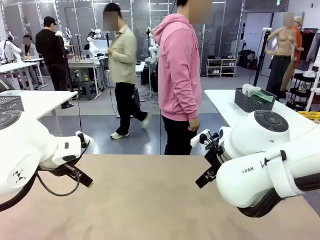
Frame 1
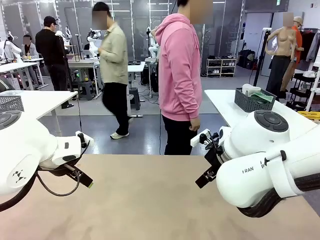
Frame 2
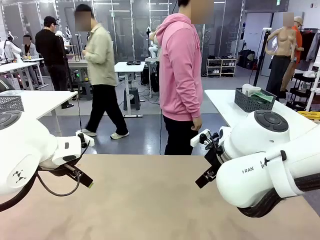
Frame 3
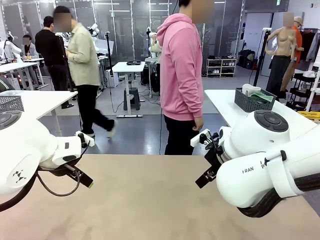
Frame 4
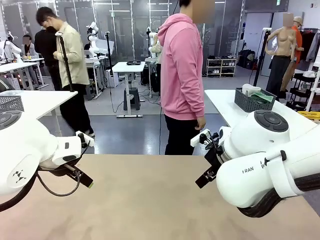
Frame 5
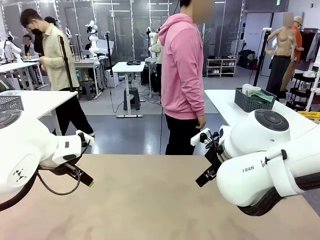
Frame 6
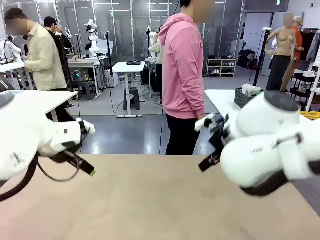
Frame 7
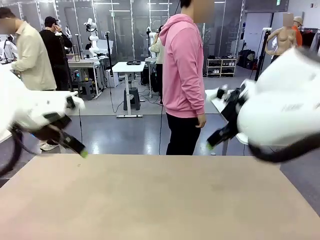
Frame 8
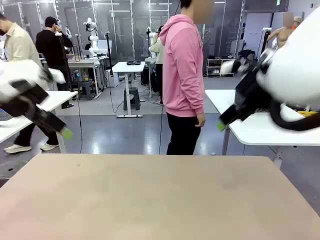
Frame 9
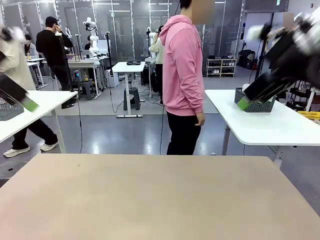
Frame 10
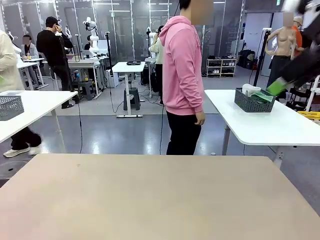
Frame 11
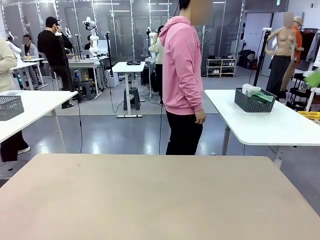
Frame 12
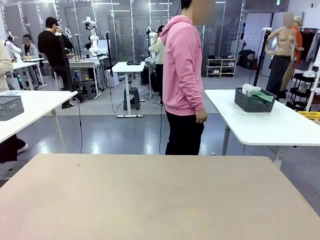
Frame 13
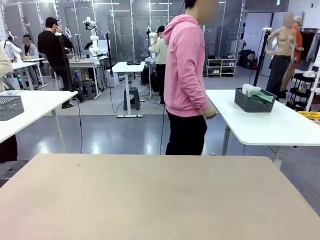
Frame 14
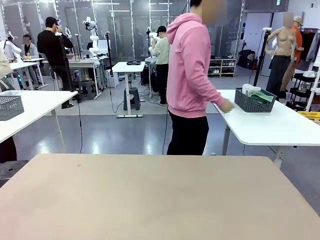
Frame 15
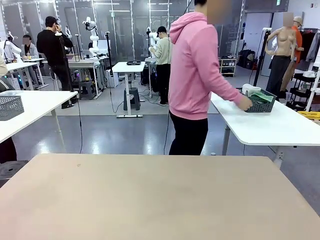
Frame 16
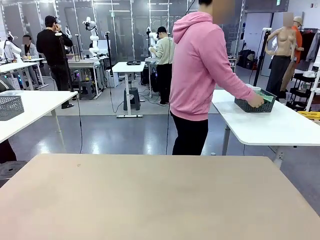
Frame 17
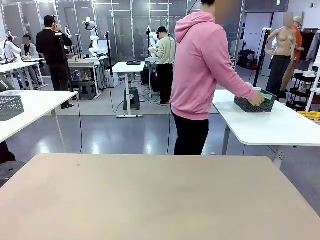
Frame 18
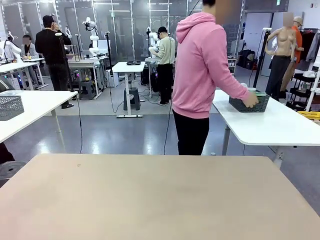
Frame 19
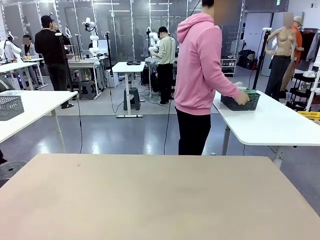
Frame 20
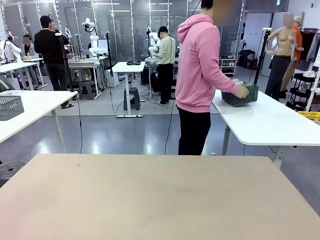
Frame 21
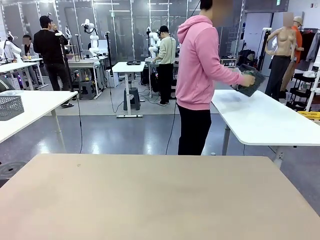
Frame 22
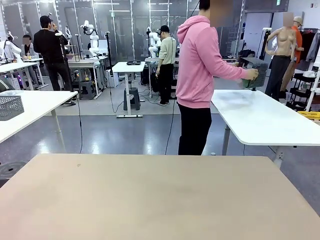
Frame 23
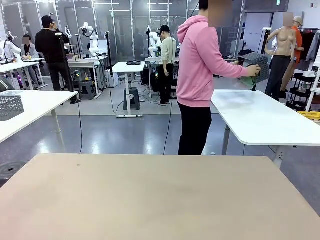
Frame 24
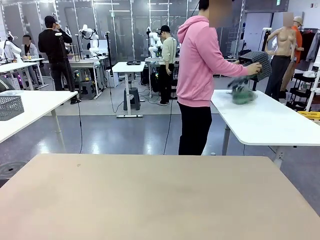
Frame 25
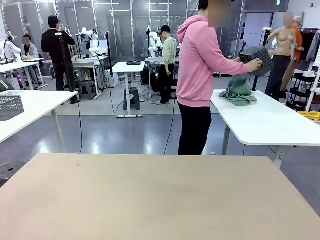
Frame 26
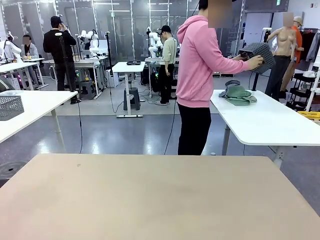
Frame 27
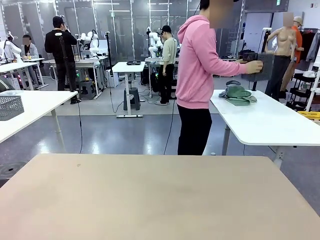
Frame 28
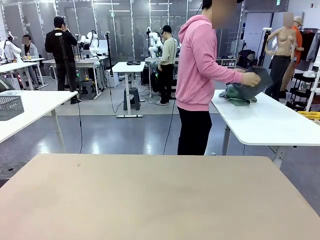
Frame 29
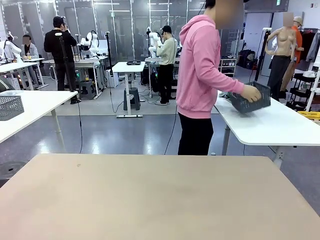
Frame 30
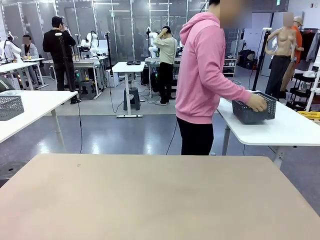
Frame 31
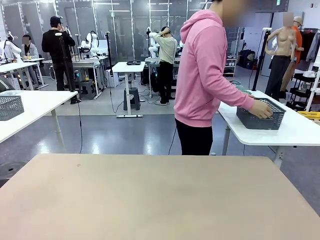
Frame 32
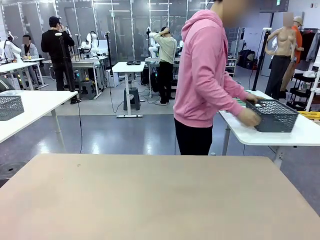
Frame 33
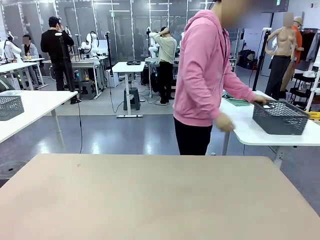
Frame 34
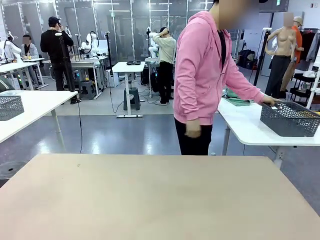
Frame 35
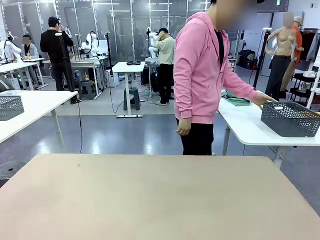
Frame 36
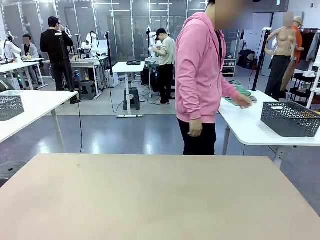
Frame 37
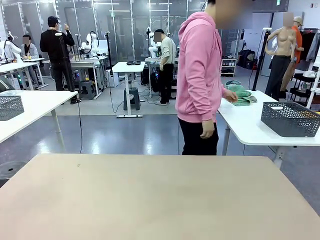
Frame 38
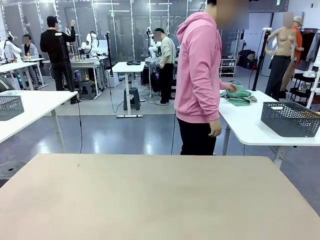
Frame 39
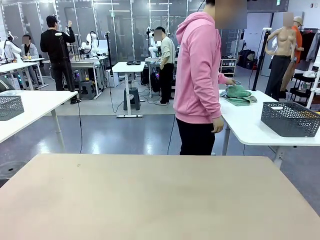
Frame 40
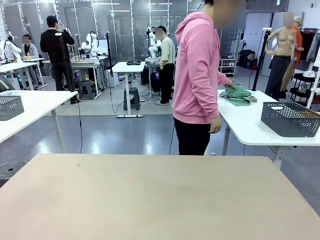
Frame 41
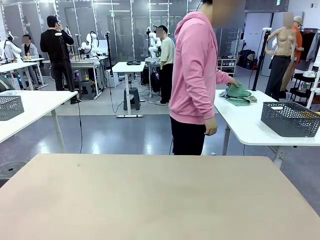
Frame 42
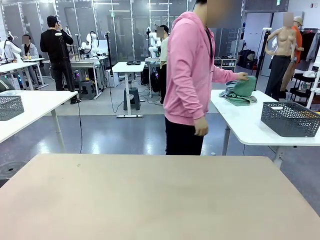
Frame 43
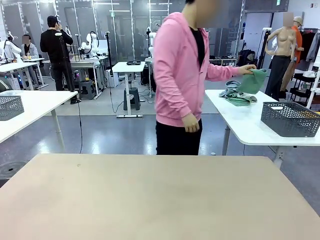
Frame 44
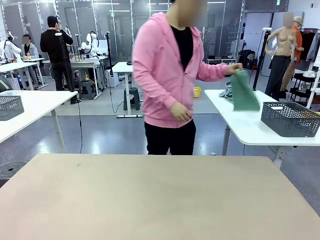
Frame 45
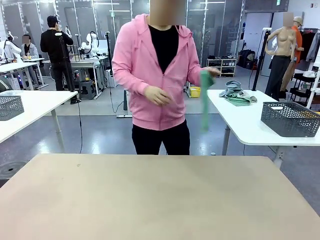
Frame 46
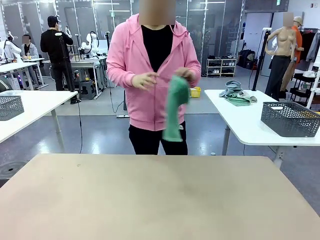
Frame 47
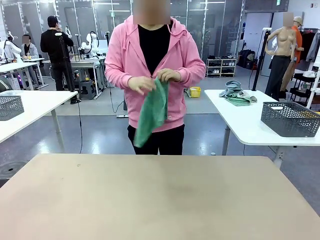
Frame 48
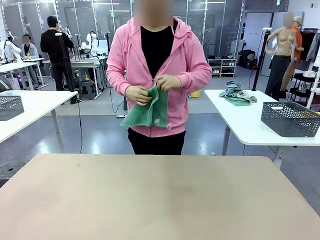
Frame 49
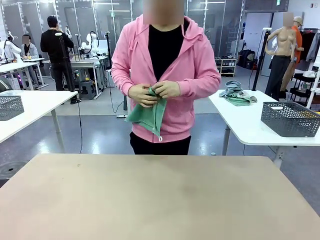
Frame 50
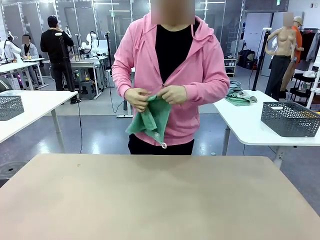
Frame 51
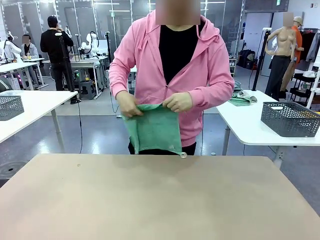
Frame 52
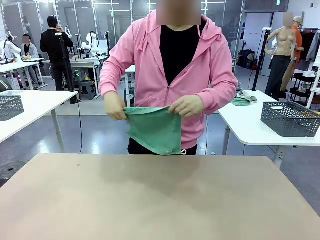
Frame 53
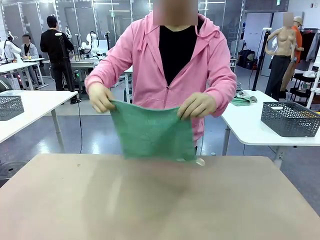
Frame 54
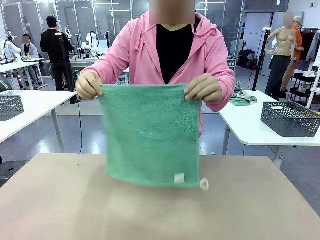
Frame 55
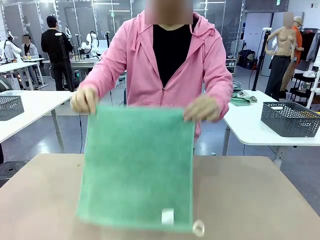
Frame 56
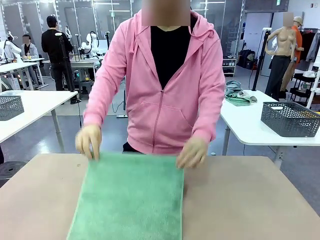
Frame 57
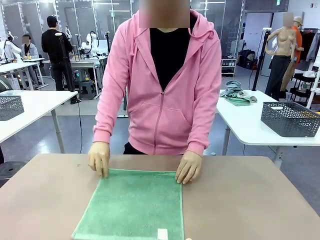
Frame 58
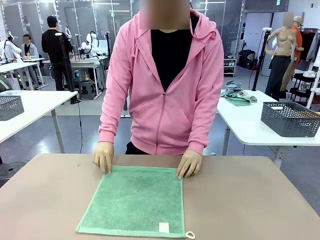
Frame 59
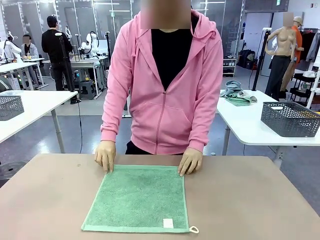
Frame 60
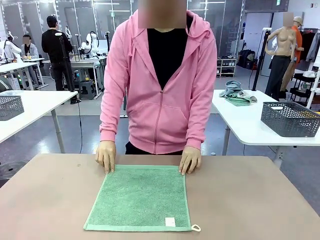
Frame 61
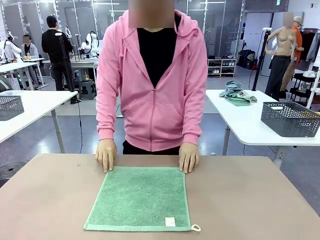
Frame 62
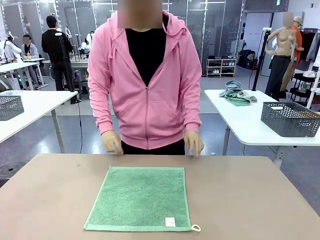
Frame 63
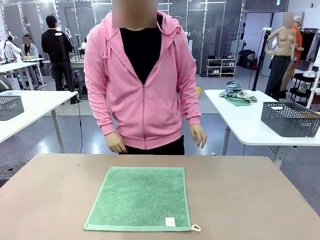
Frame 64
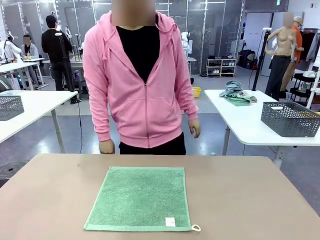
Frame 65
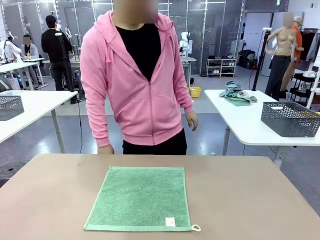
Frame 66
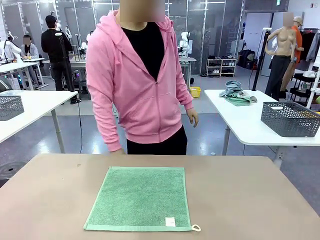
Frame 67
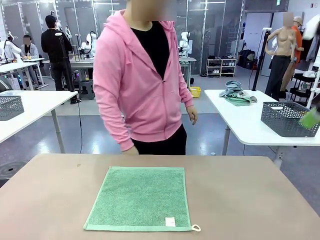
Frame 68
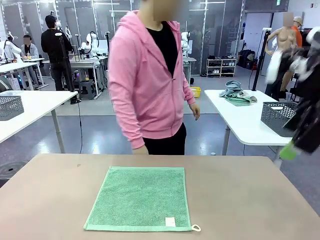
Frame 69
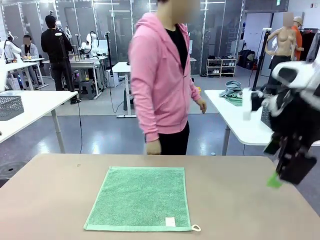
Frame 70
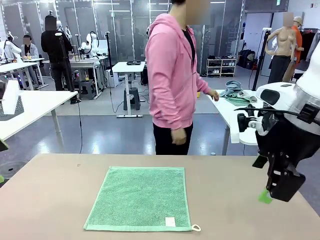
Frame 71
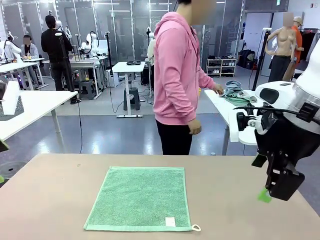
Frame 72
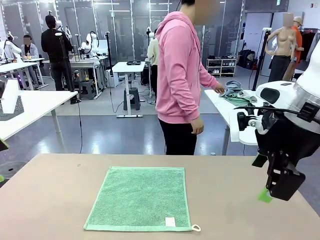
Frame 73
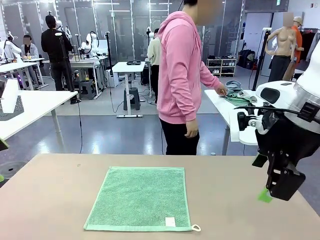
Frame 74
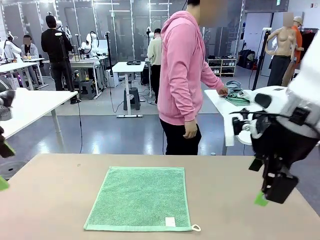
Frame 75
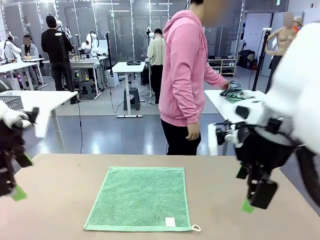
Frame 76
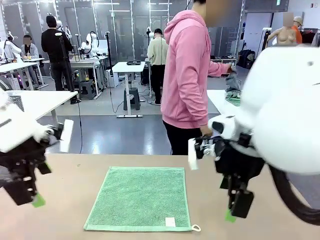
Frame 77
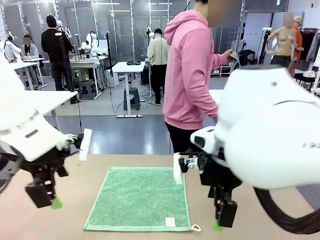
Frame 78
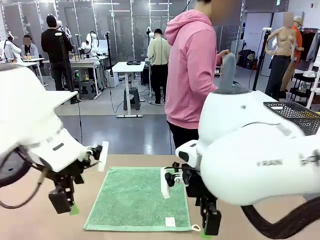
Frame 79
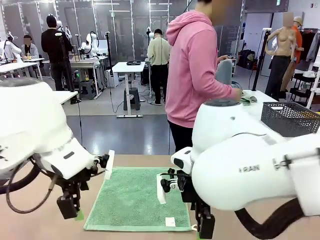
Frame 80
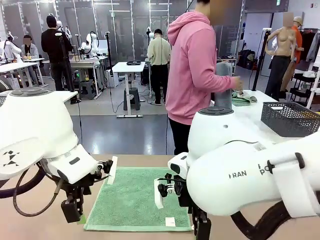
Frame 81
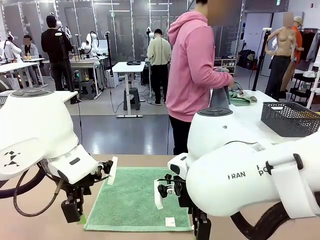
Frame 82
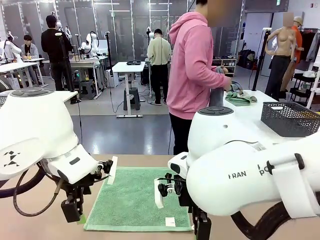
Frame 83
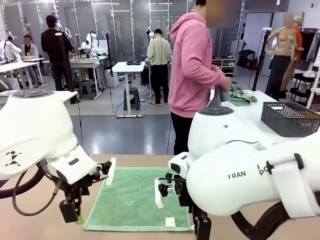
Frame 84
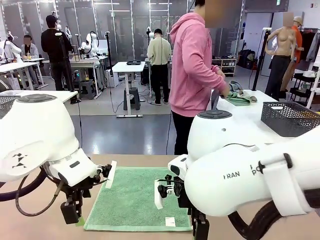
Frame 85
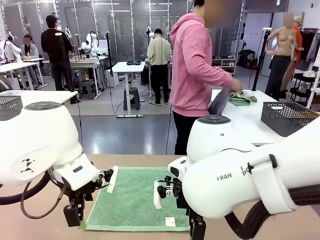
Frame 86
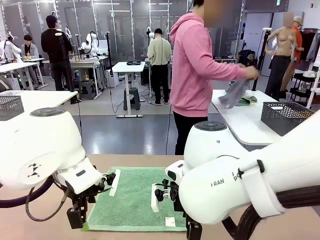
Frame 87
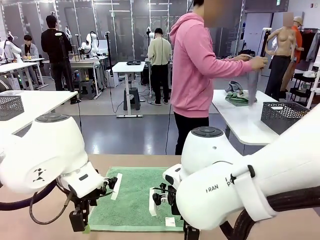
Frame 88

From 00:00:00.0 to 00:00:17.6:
Task: Fold the towels and place them in the basket.
Robot: When a person lays out a Towel with hook on the table, fold it in half twice.
Person: Pick up the basket, pour the towels onto the left side of the human table, and place the basket on the right side. Pick up one towel and spread it out at the center of the robot table.
